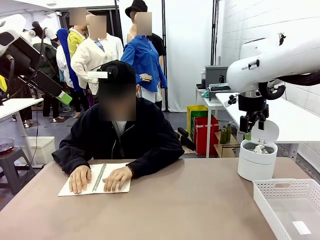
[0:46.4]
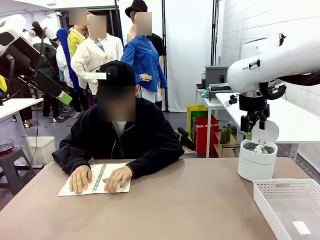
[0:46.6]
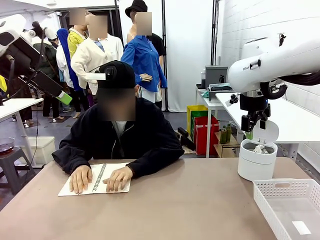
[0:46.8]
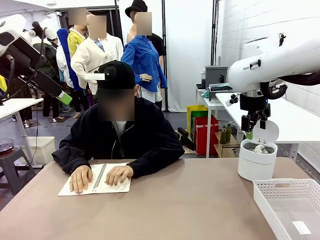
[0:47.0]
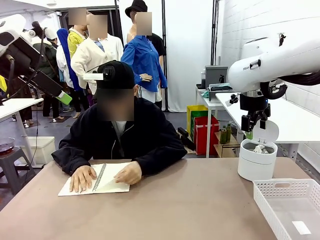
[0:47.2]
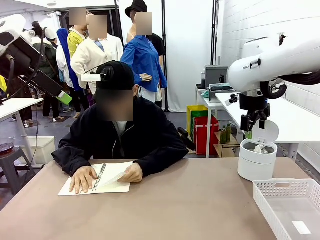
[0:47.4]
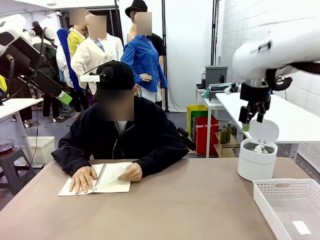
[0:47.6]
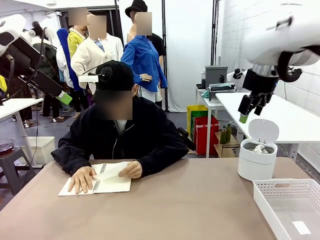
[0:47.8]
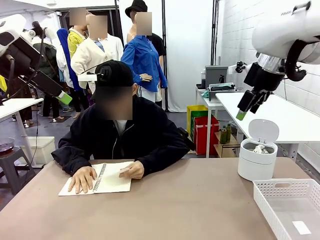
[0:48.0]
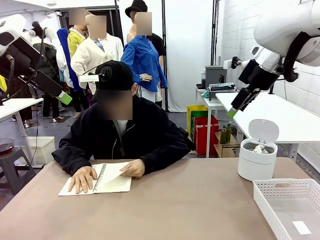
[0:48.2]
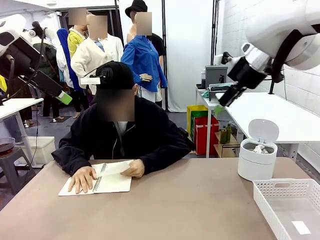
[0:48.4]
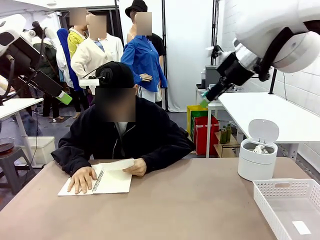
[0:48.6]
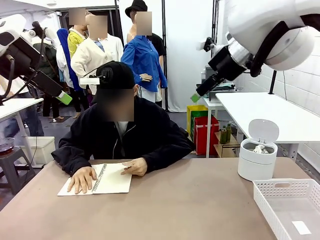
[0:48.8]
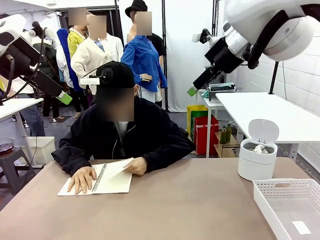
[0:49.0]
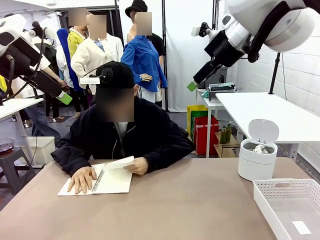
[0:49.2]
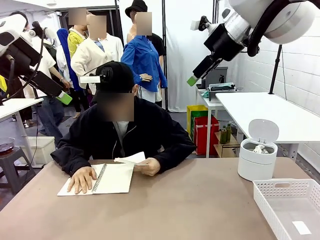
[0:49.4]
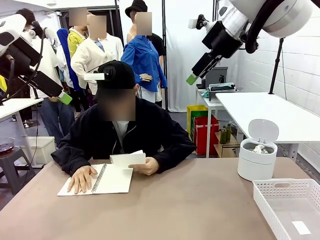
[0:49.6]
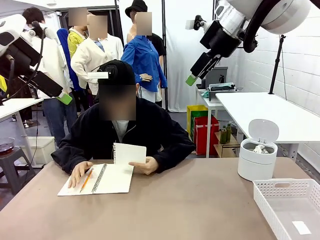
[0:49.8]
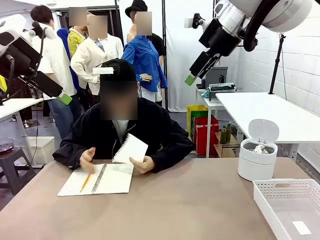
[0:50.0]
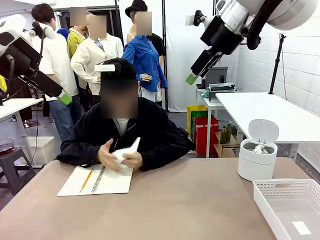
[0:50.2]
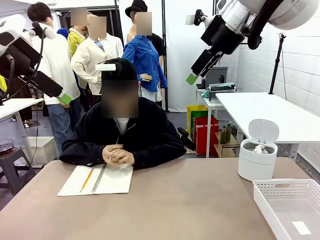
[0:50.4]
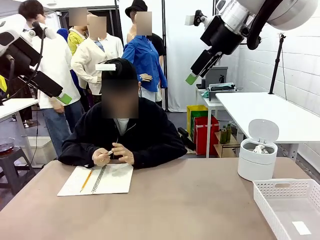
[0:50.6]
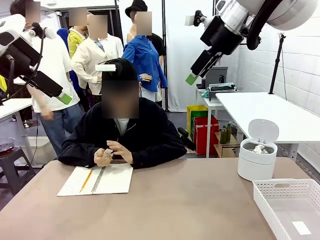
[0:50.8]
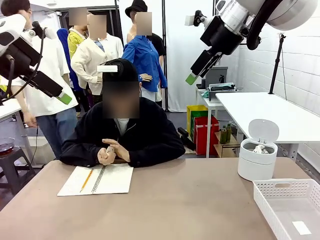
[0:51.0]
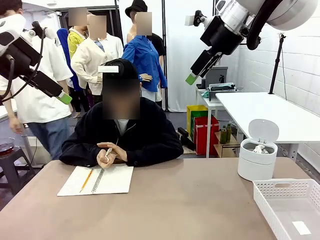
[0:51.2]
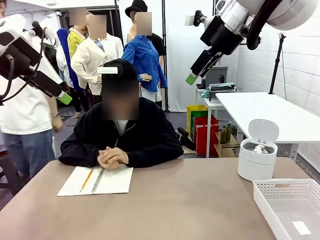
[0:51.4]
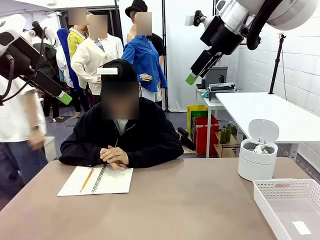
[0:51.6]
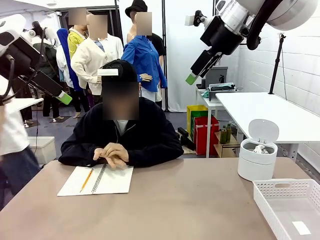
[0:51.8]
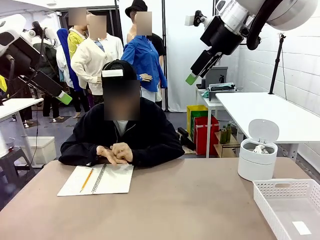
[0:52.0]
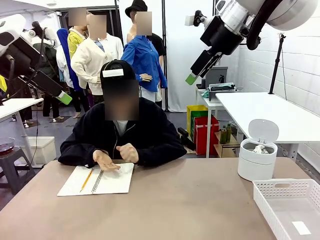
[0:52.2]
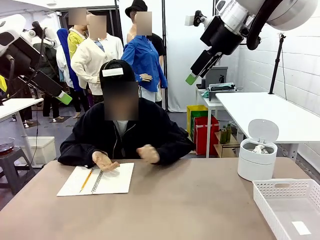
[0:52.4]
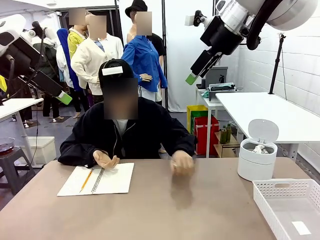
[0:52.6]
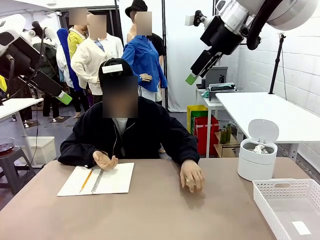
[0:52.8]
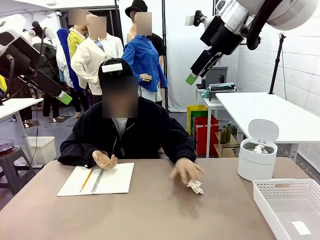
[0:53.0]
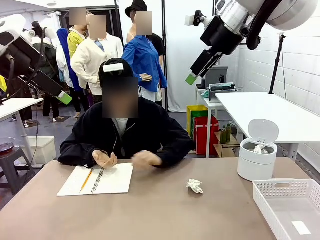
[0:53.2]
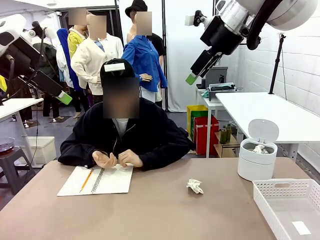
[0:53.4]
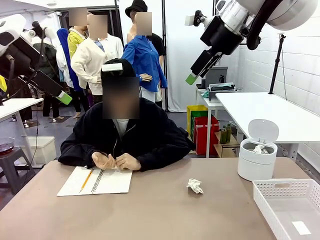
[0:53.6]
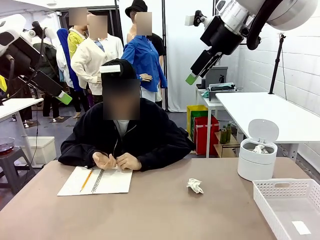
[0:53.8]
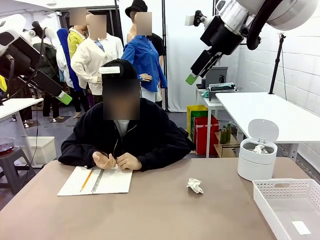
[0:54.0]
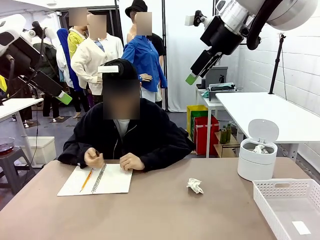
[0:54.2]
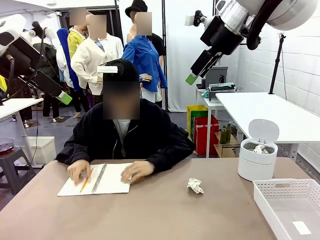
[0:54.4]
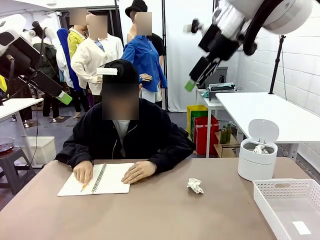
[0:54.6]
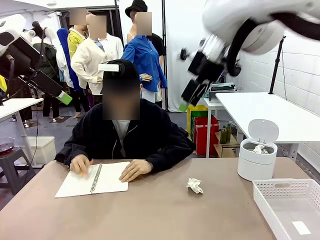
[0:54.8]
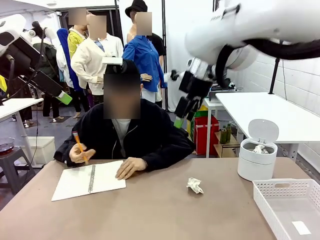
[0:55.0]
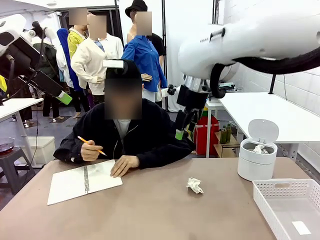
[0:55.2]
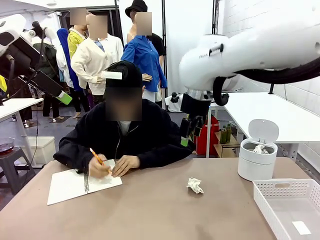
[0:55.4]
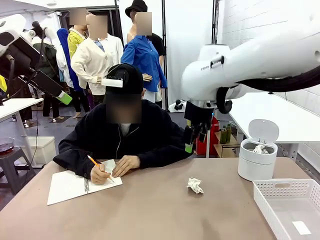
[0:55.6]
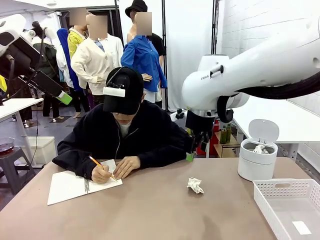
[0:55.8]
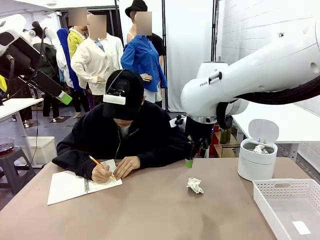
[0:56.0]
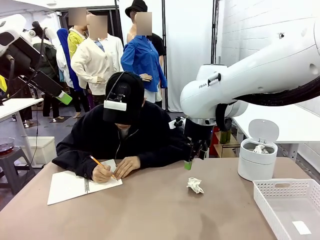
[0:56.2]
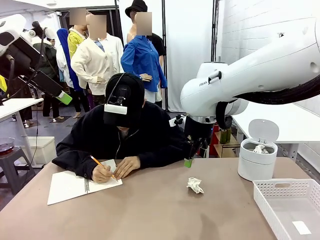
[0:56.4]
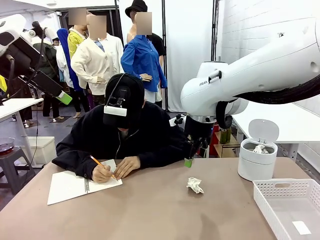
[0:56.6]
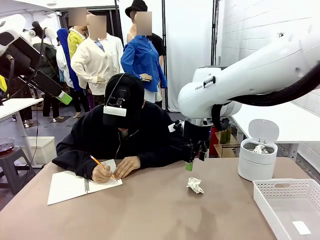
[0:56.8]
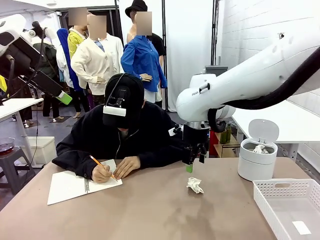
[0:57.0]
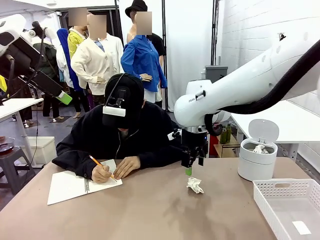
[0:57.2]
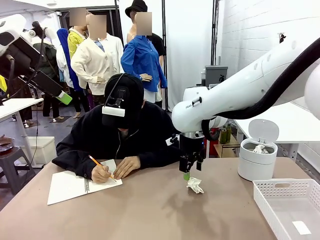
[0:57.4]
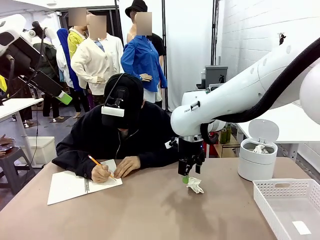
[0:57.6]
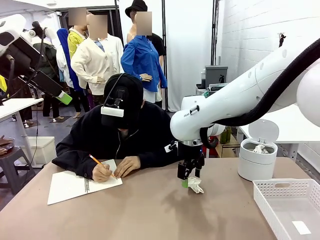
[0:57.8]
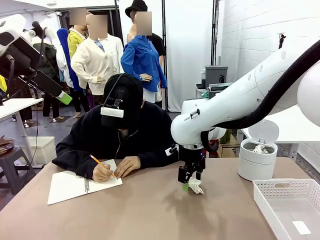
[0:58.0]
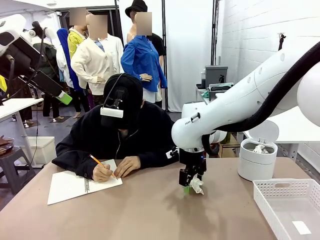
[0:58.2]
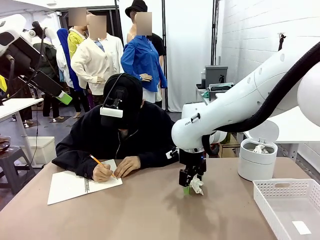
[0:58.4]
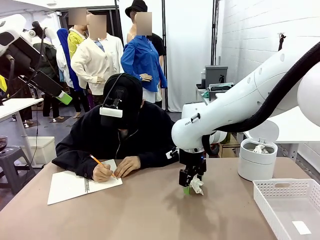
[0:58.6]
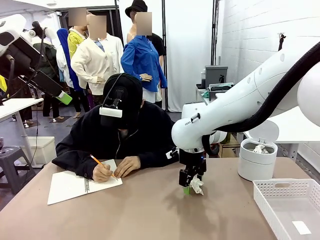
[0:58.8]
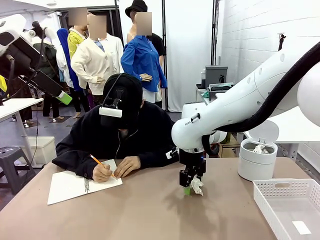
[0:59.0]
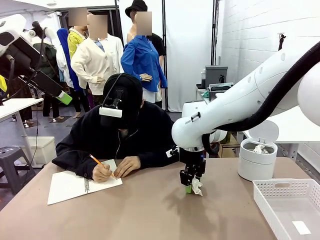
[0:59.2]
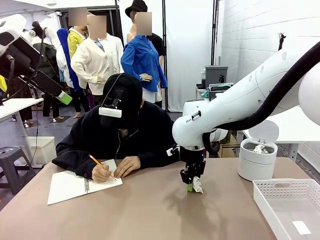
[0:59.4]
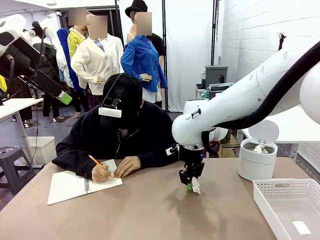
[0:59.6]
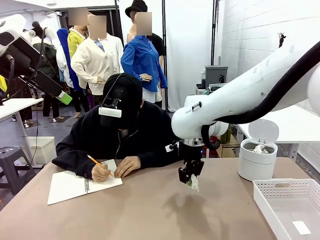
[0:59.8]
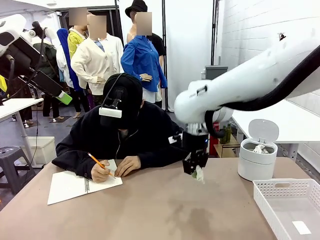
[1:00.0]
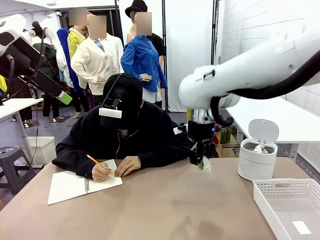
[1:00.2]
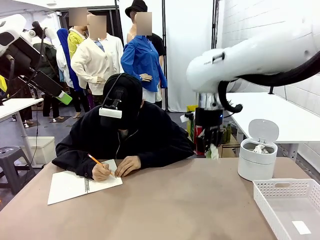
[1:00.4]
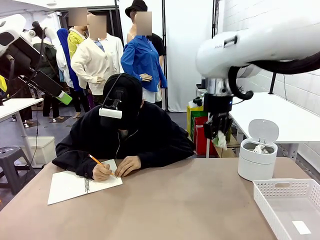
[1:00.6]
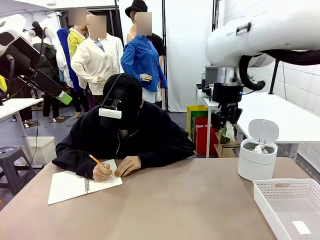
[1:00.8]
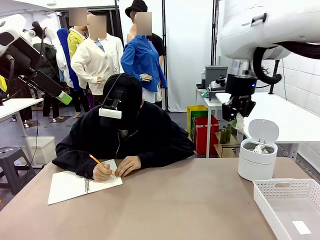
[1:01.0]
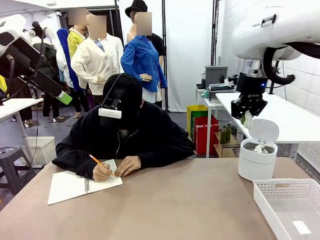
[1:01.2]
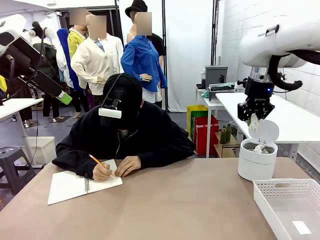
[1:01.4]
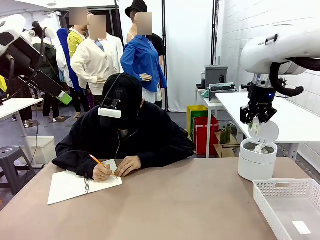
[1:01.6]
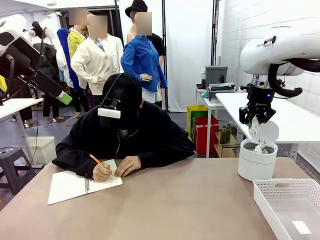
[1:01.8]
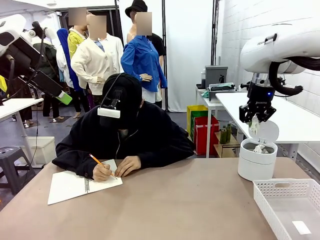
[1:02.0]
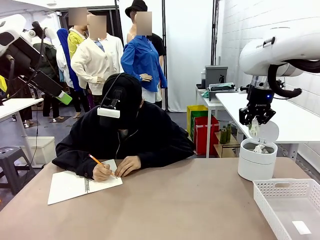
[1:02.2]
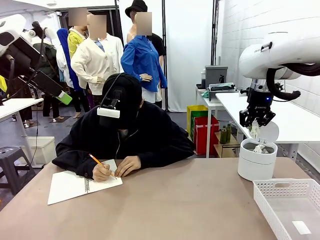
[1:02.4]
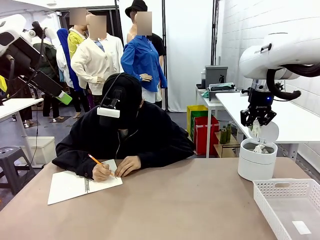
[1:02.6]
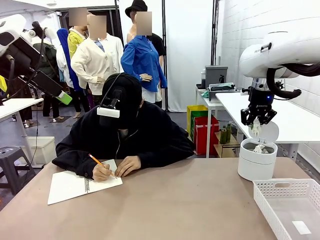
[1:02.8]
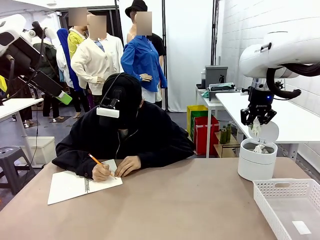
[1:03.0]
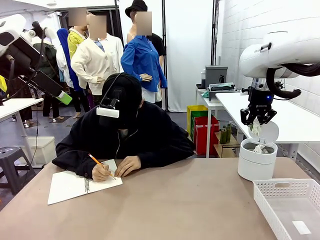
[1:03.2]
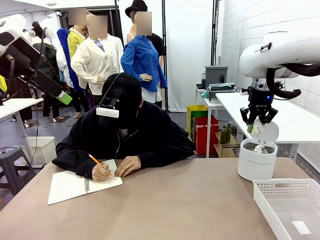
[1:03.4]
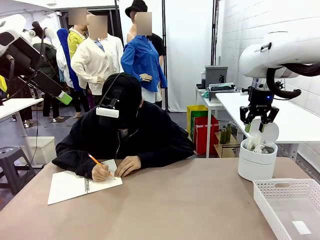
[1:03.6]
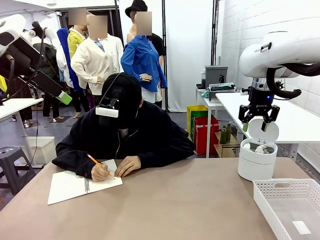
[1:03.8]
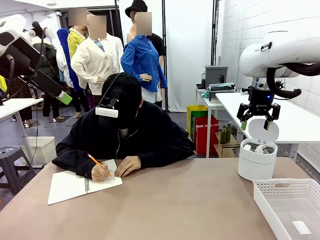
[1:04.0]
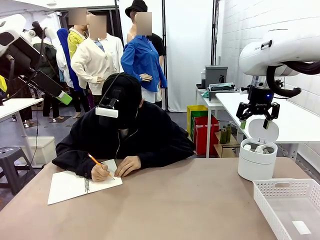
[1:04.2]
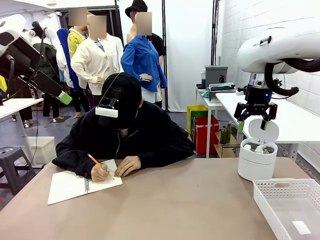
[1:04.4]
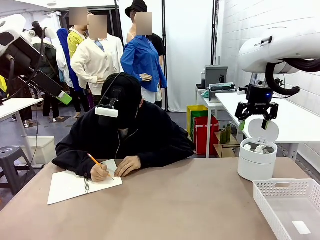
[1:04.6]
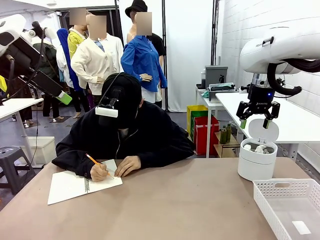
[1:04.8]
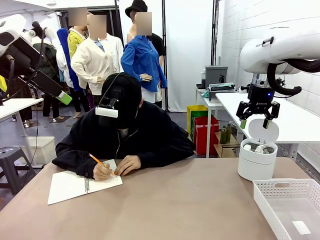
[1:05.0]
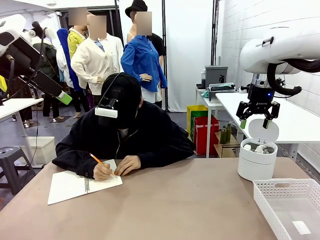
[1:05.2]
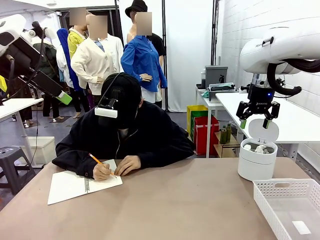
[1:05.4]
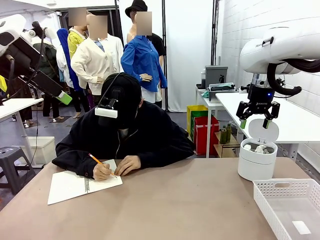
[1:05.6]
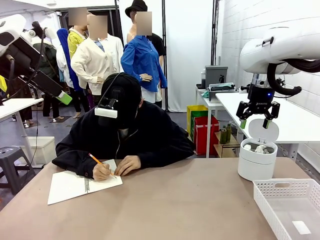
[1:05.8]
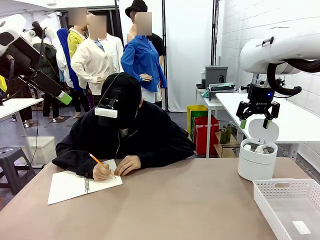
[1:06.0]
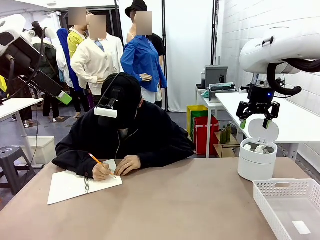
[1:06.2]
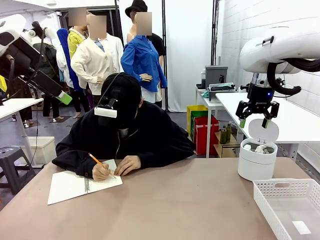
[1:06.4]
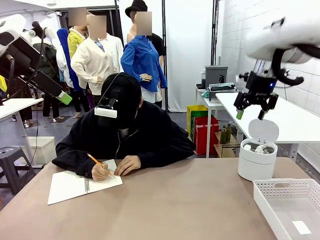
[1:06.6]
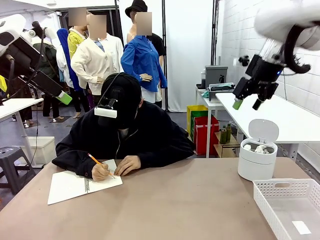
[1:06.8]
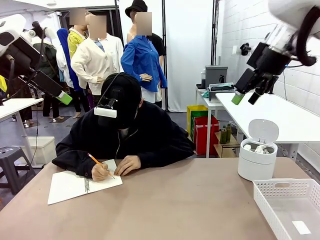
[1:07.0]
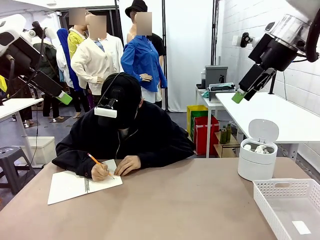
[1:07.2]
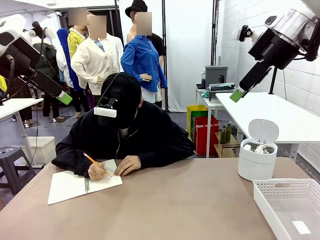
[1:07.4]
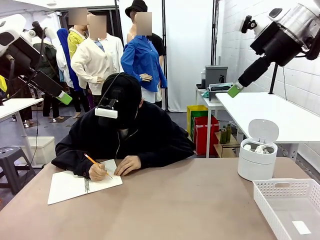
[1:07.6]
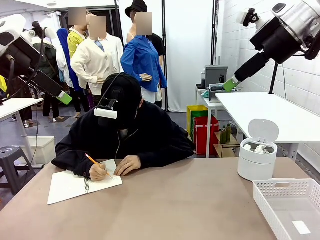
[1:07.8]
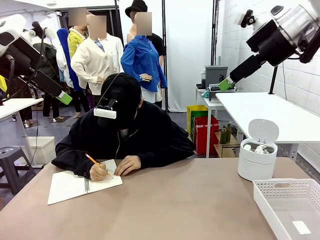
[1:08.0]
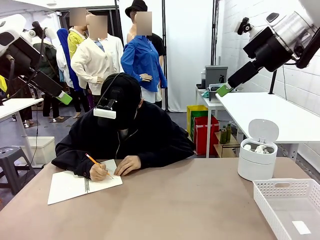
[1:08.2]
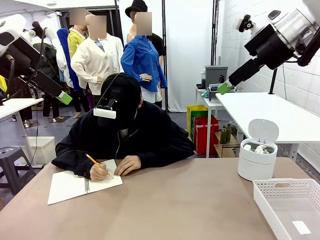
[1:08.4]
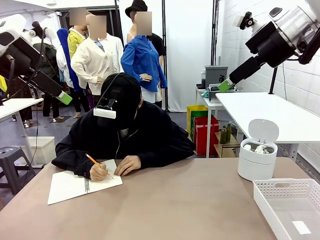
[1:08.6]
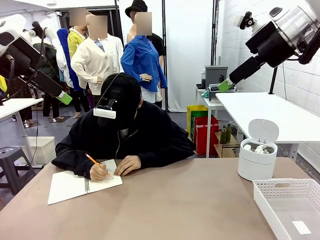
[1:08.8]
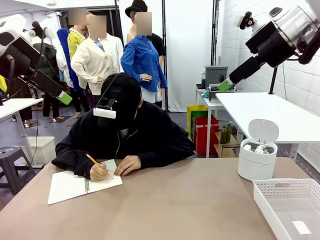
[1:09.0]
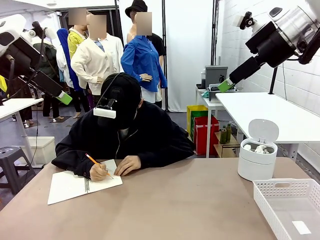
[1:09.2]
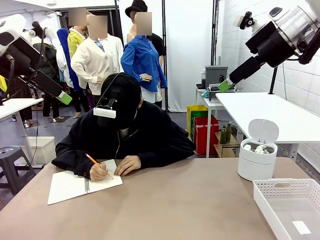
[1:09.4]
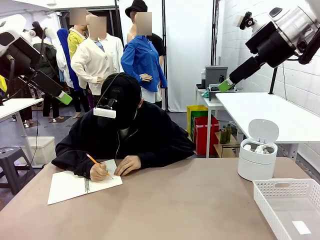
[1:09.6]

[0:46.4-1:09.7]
Task: Sort the paper based on its condition.
Robot: If a person hands you a paper, place it in the Organizing basket , and if it's crumpled, put it in the Trash can.
Person: Hand the torn page to the robot or crumple it and throw it to the center of the table.
